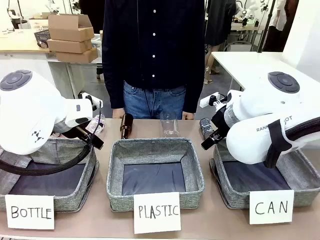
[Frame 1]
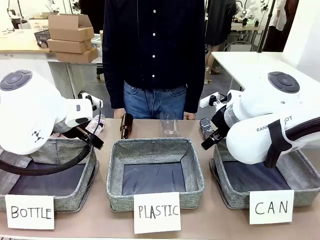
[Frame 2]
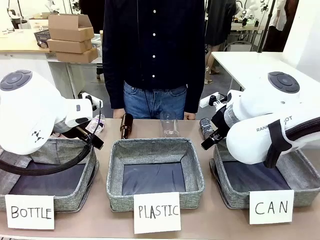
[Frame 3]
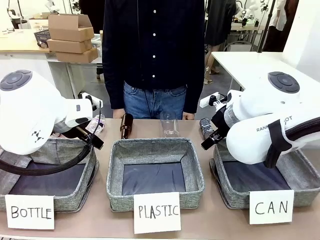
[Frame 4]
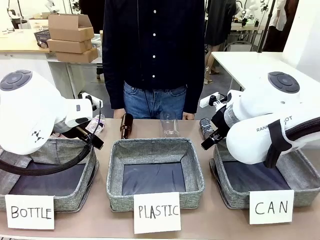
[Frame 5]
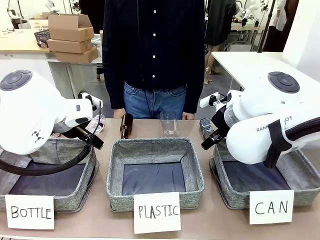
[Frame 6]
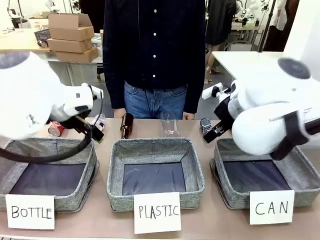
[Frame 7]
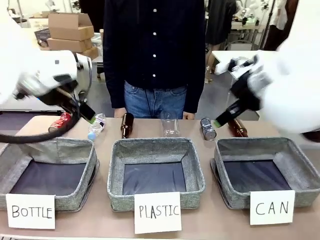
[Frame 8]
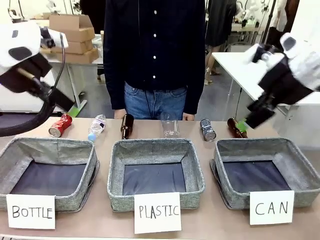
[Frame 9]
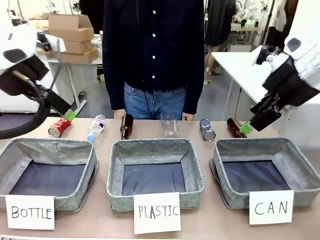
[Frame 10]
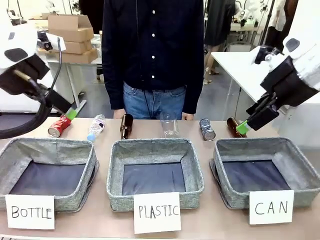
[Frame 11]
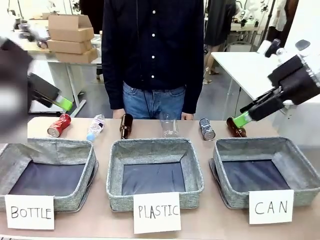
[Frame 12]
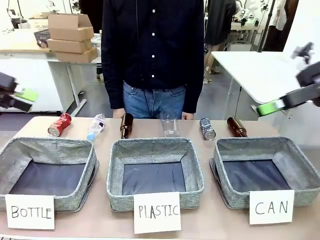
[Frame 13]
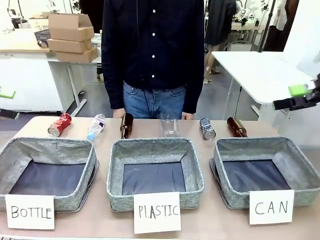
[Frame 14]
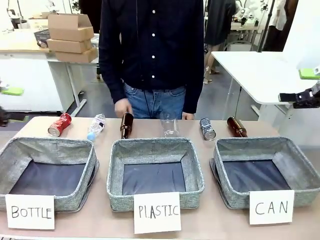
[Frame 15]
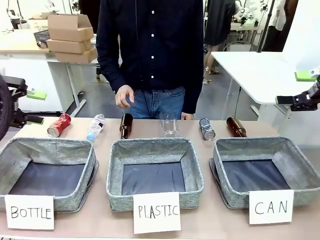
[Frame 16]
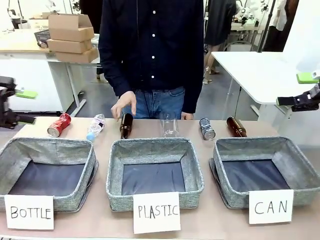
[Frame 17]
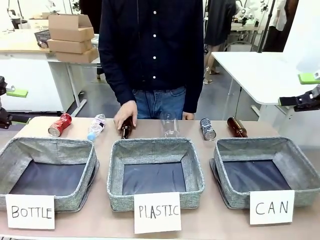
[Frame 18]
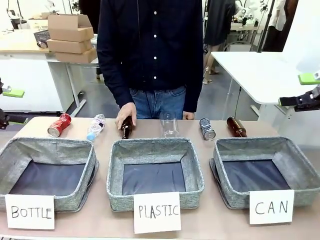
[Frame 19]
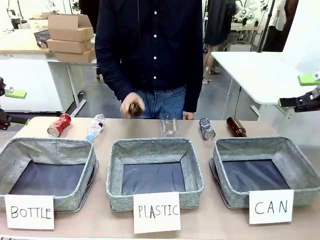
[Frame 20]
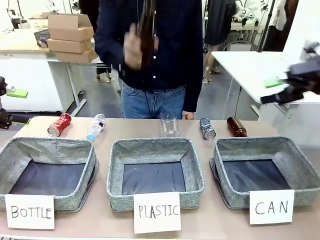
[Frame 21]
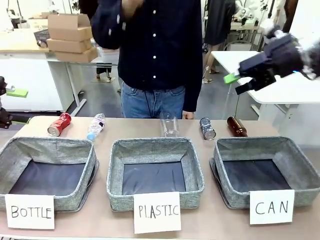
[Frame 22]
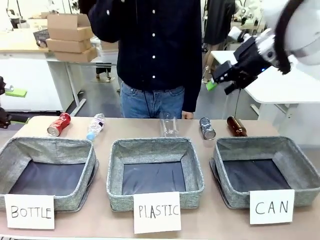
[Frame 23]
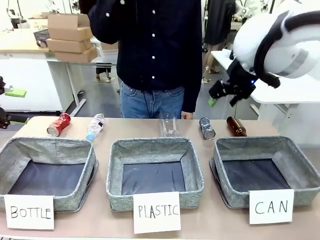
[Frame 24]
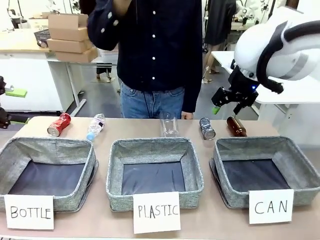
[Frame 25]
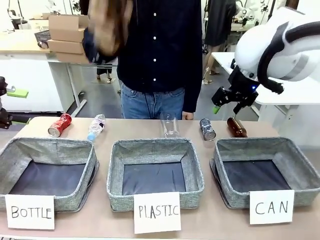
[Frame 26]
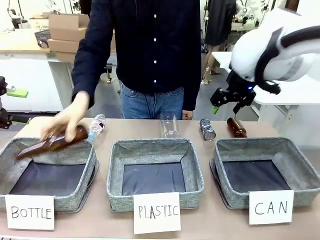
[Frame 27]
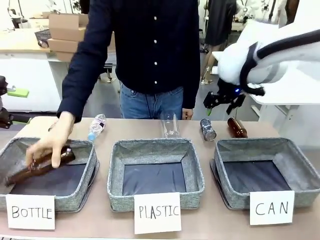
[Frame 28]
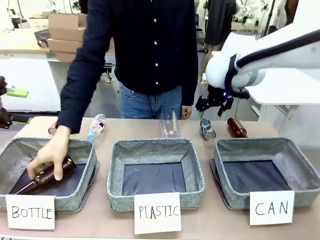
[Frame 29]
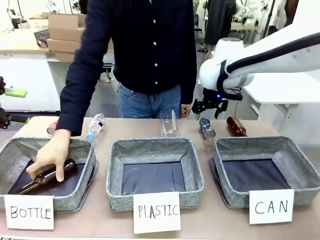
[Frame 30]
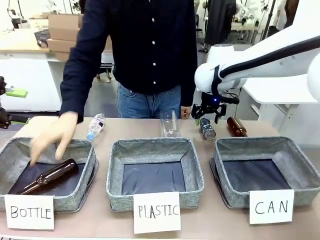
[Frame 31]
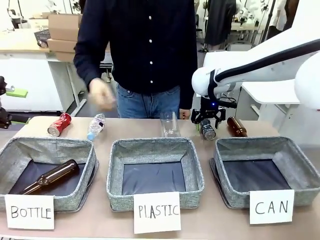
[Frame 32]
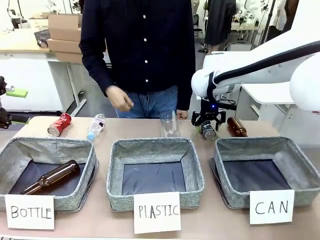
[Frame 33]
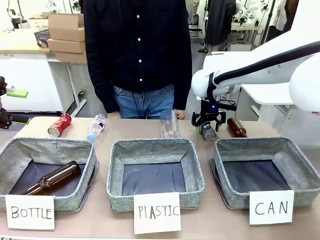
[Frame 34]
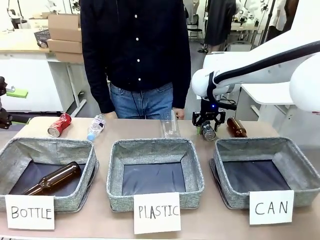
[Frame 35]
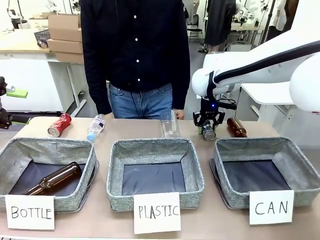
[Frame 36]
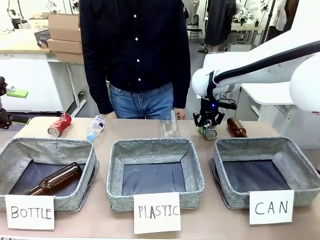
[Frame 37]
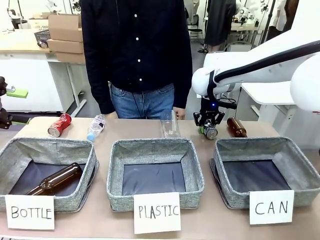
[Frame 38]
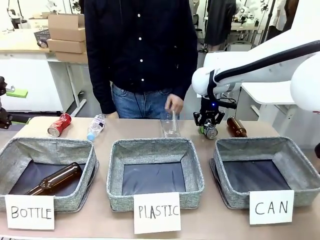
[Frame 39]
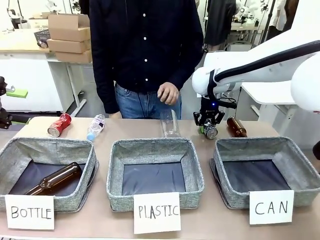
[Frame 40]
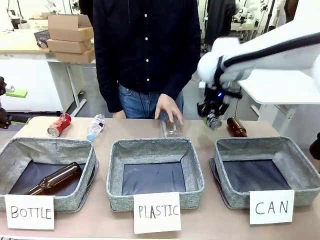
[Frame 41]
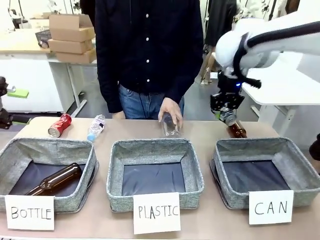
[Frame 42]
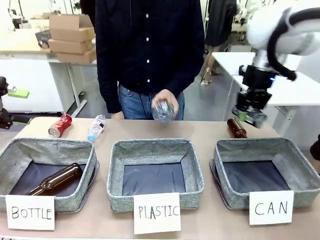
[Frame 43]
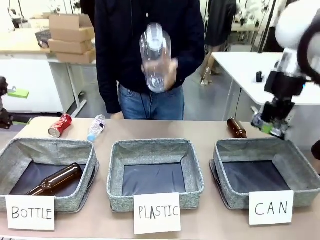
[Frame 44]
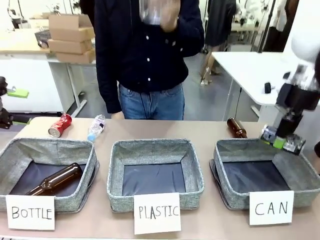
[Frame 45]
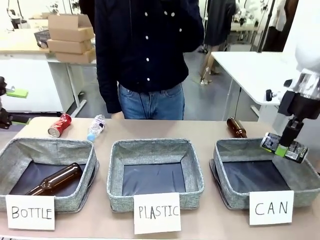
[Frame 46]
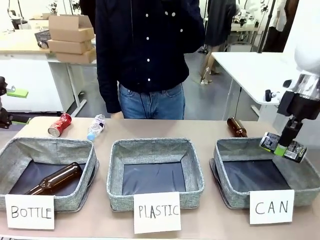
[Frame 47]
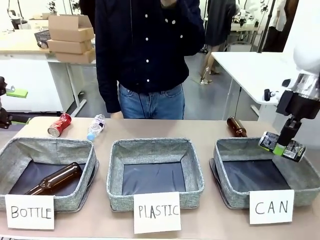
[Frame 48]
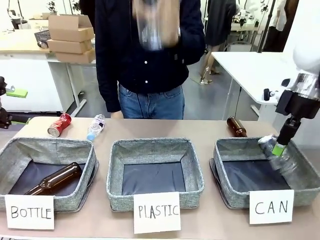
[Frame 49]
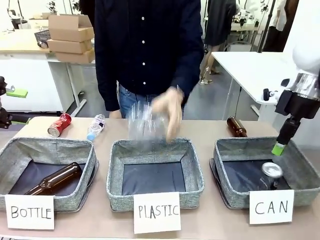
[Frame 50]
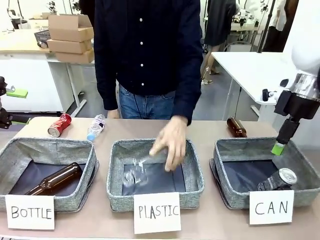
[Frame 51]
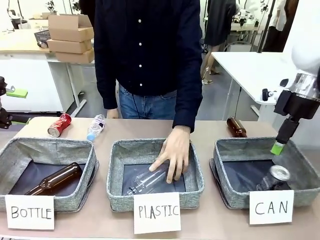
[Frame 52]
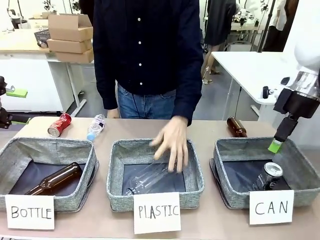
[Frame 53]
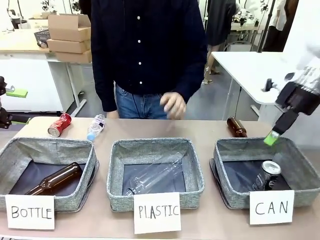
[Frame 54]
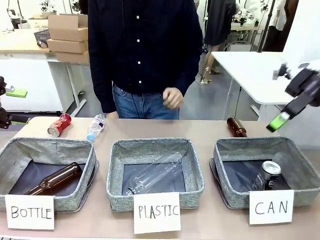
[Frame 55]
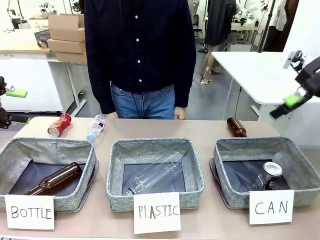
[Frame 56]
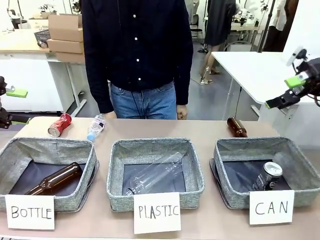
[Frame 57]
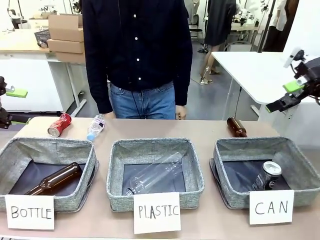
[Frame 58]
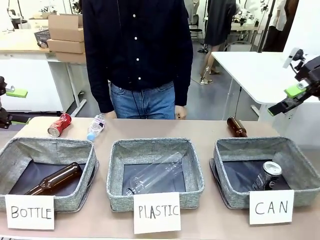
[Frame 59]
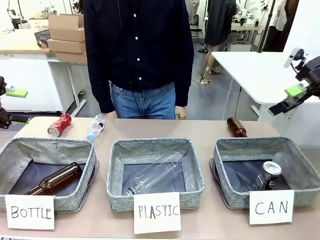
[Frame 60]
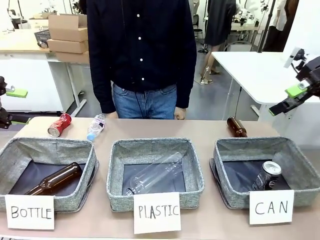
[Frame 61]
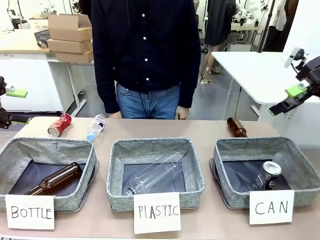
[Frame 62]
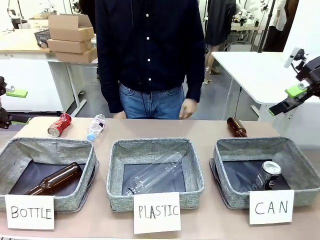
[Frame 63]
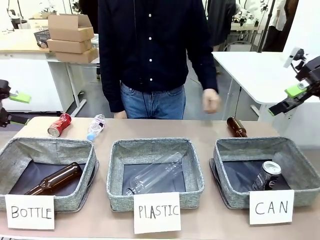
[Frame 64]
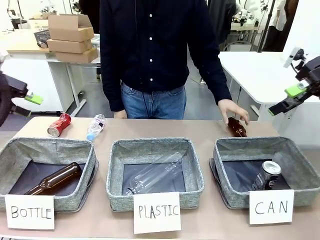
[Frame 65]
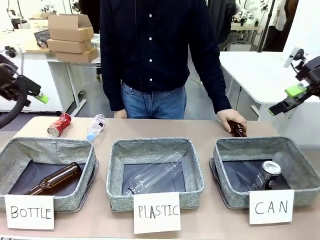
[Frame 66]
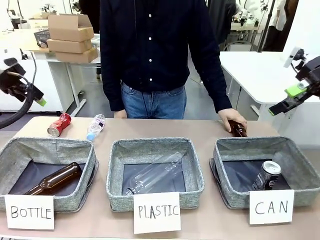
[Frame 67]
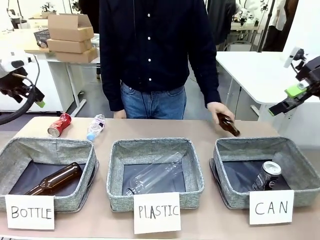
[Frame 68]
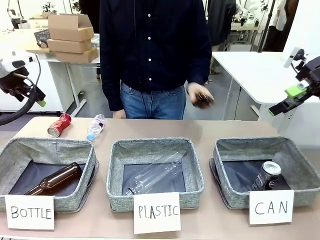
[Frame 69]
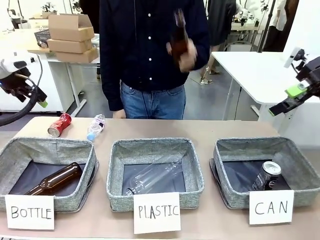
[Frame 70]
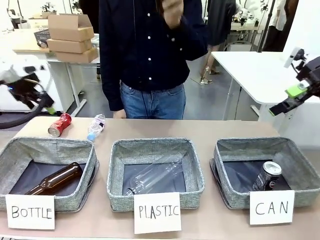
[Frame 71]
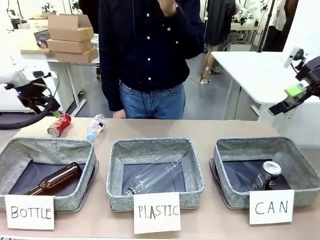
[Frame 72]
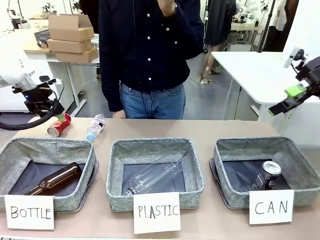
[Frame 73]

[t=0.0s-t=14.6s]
Task: Sort the can waste into the basket.
Robot: Pick up the can waste from the table and place it in the right Fabric basket.

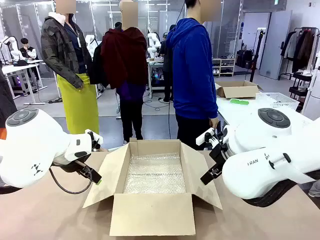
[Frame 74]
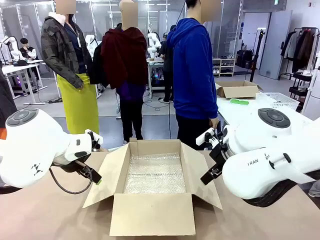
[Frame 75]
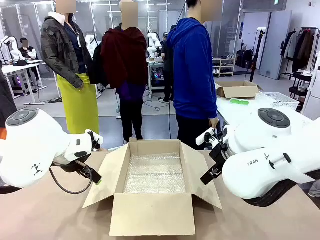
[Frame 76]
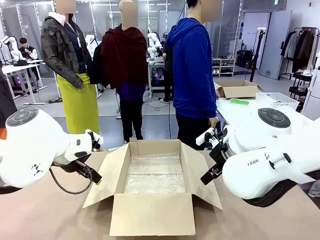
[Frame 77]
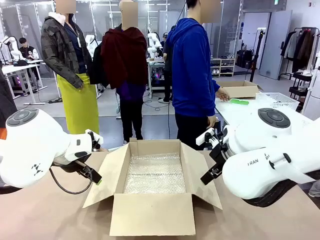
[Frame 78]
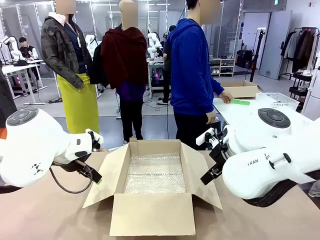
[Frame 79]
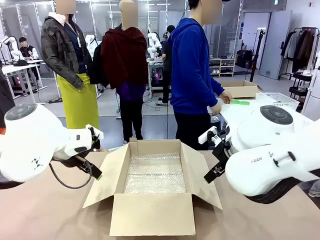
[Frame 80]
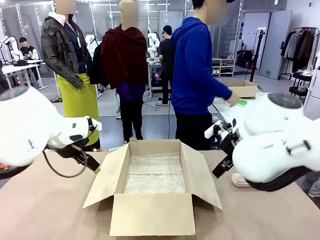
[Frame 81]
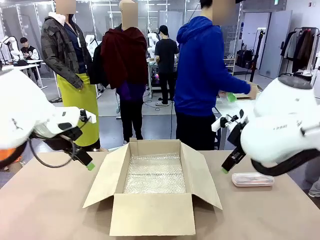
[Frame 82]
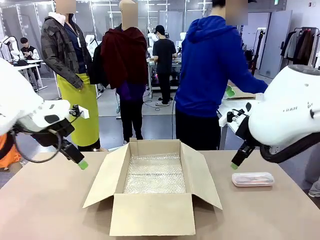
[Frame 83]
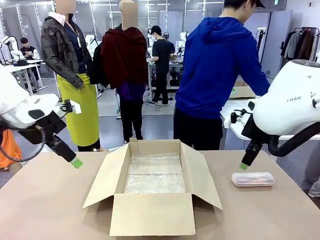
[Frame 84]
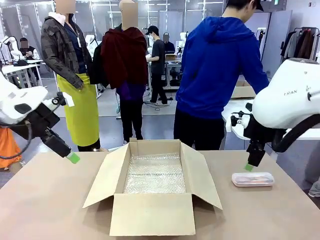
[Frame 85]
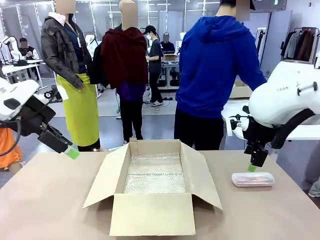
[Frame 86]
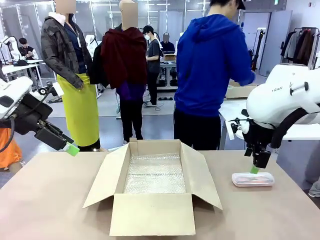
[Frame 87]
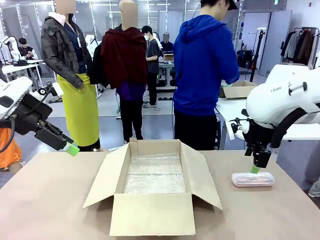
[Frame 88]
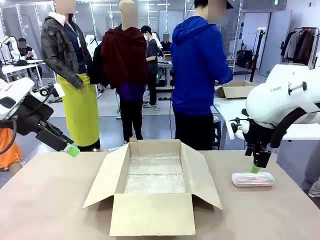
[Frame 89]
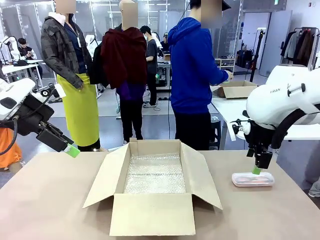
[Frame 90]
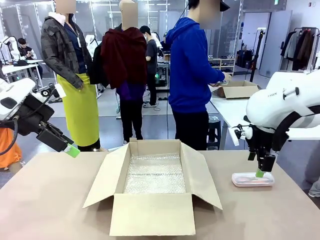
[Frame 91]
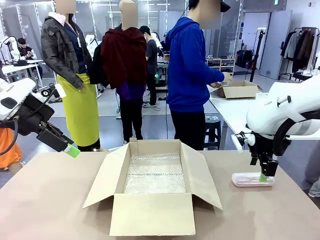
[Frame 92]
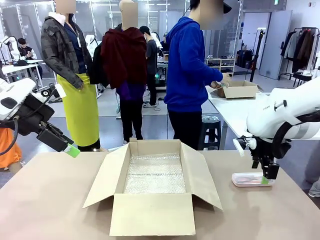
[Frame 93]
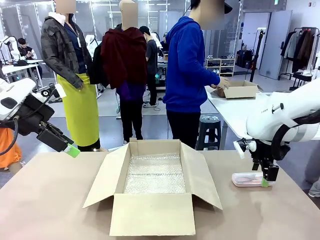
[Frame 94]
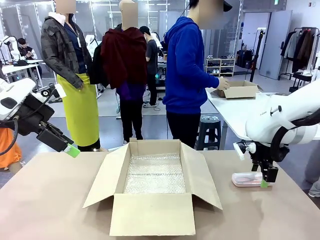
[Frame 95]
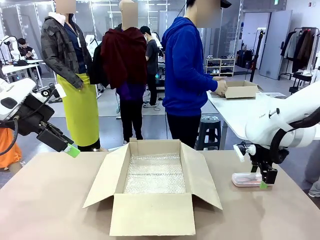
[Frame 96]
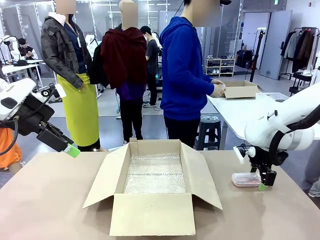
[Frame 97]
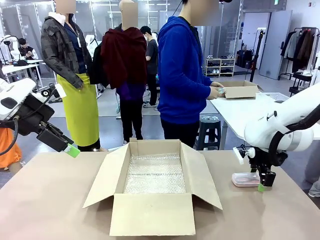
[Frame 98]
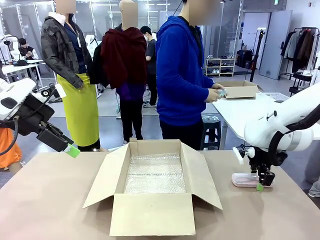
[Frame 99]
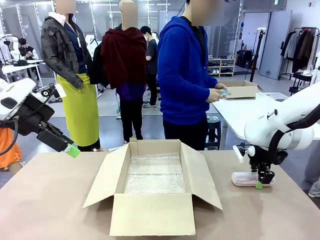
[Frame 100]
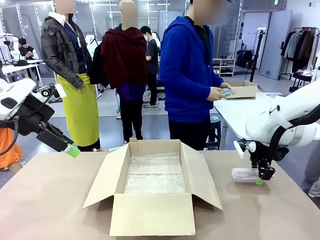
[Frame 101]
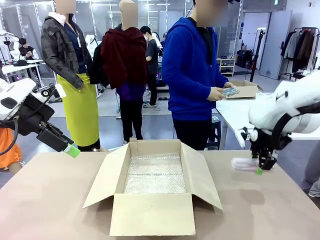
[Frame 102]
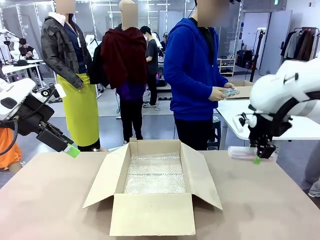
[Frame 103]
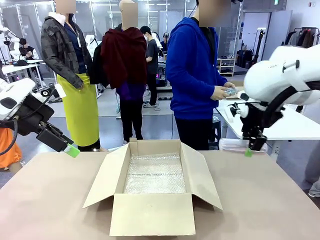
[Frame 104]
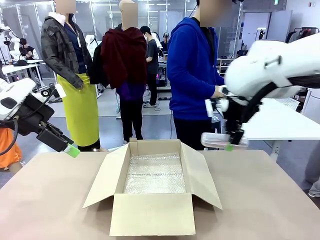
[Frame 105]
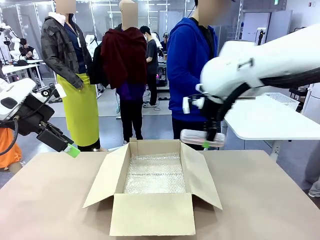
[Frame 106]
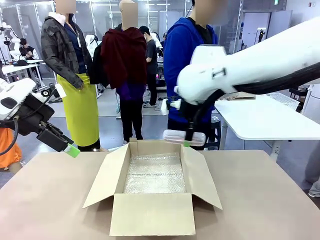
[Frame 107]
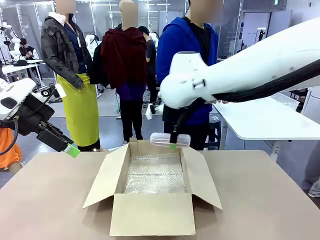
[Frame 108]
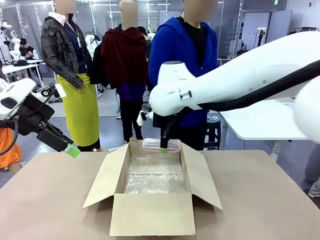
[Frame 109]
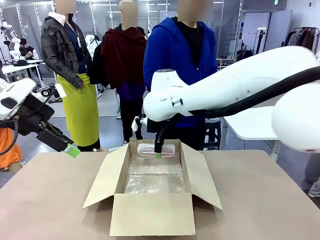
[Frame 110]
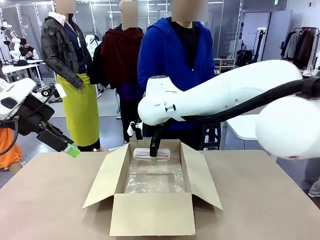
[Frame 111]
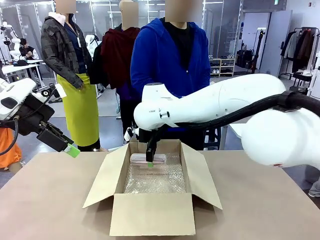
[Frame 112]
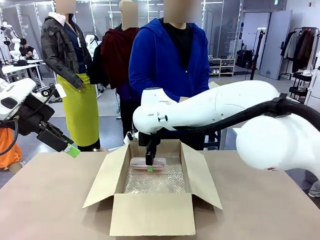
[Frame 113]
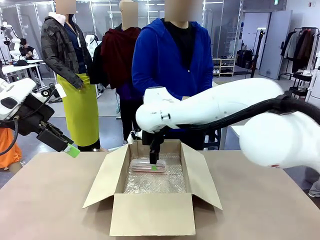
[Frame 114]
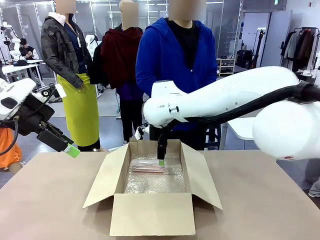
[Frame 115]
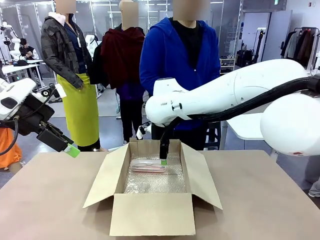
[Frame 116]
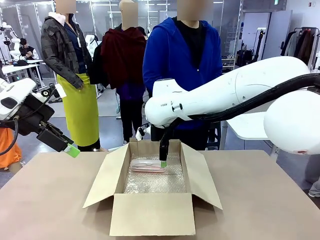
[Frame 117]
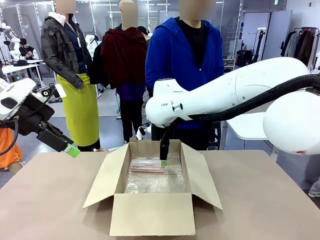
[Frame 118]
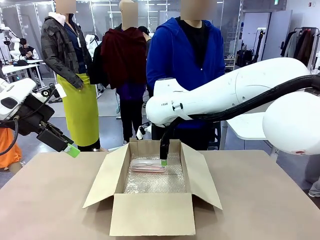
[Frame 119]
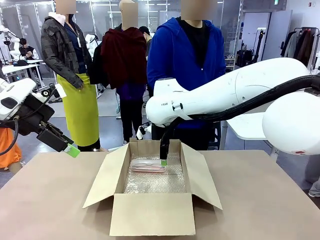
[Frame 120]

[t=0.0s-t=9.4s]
Task: Pack the glasses set securely to prepare it for shipping.
Robot: Place the Glasses case inside the Package Box.
Person: Place the Glasses inside the Glasses case.
